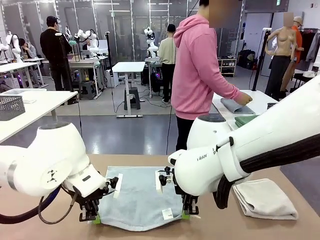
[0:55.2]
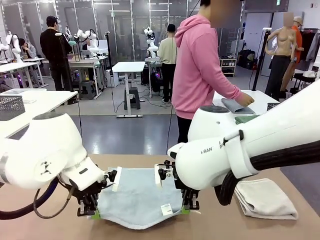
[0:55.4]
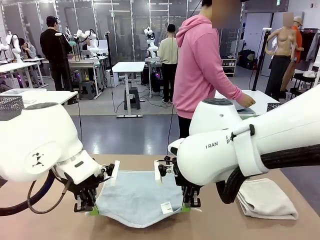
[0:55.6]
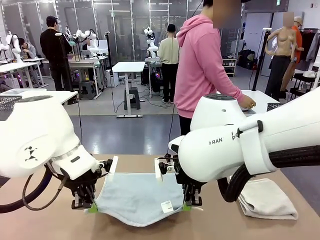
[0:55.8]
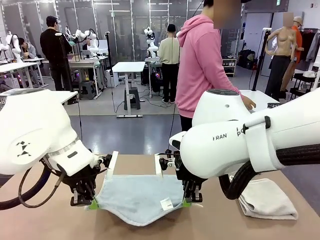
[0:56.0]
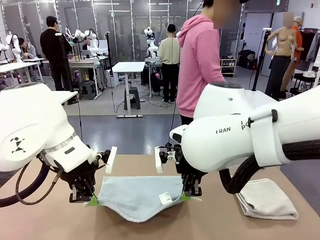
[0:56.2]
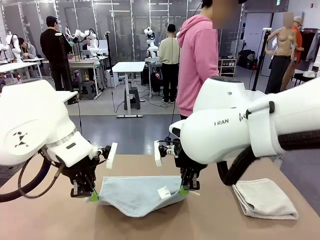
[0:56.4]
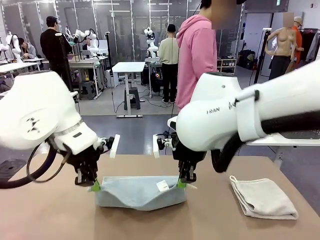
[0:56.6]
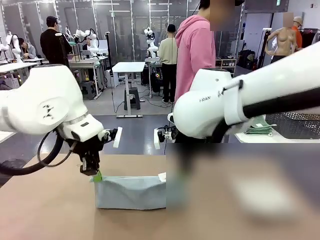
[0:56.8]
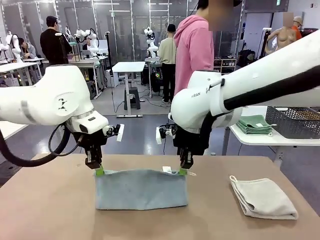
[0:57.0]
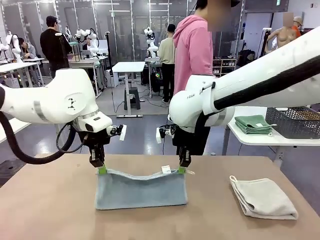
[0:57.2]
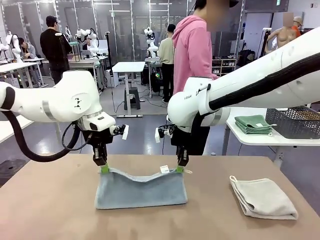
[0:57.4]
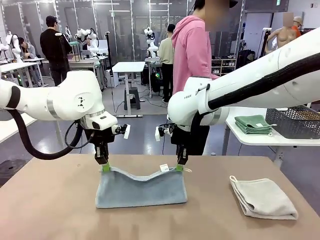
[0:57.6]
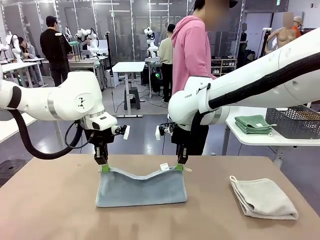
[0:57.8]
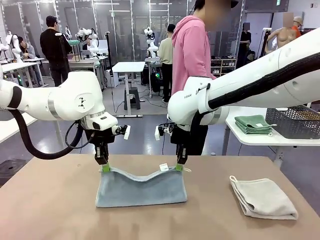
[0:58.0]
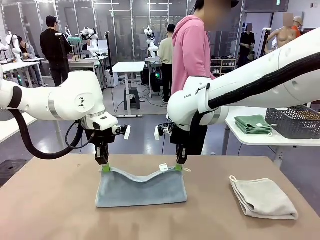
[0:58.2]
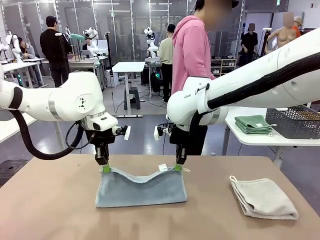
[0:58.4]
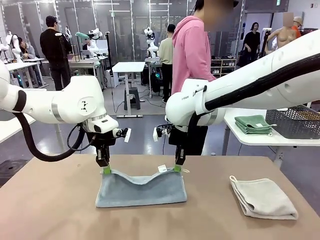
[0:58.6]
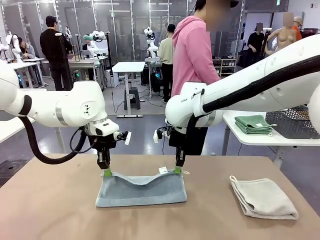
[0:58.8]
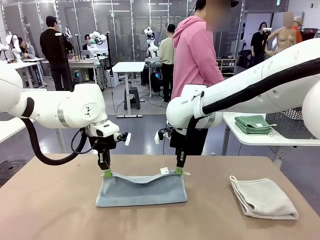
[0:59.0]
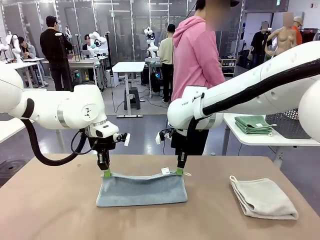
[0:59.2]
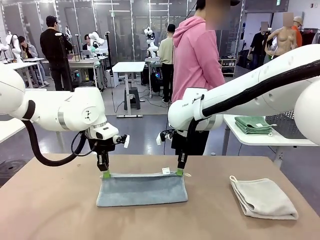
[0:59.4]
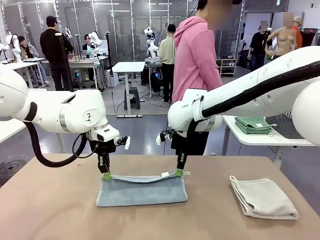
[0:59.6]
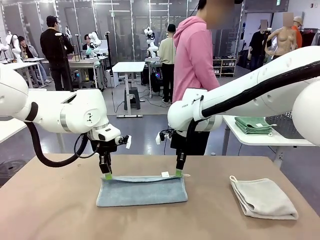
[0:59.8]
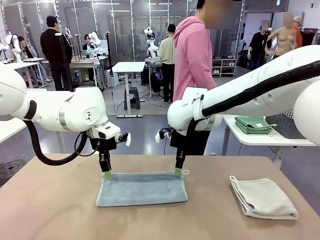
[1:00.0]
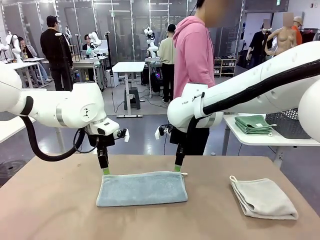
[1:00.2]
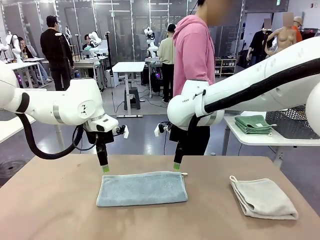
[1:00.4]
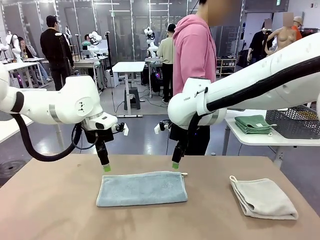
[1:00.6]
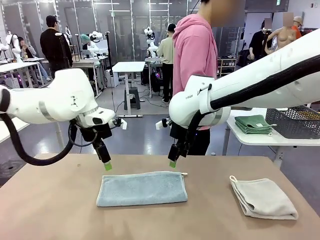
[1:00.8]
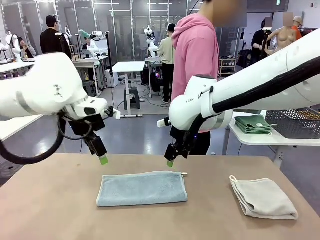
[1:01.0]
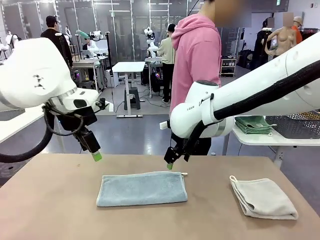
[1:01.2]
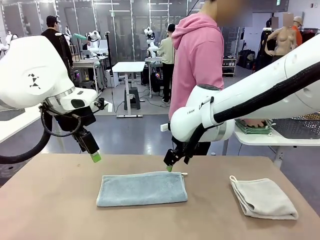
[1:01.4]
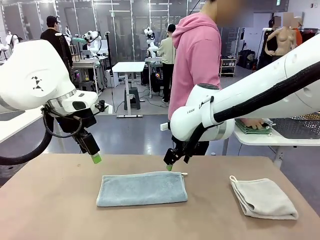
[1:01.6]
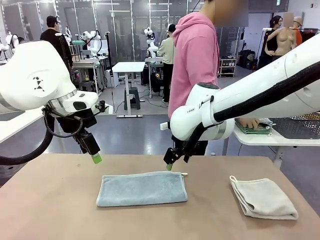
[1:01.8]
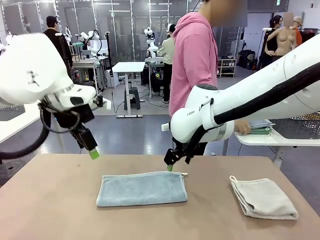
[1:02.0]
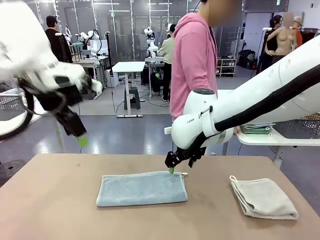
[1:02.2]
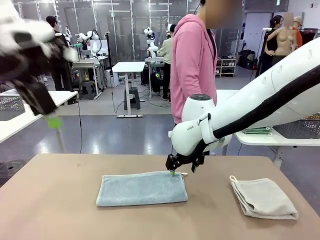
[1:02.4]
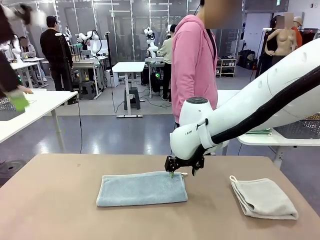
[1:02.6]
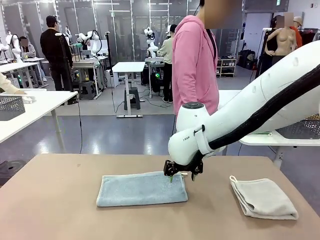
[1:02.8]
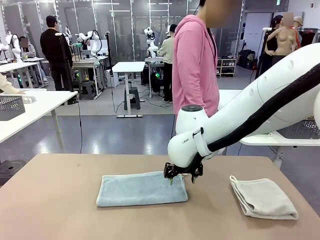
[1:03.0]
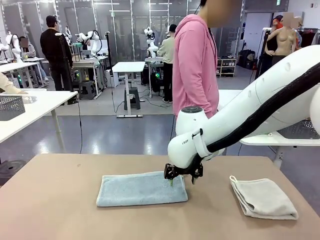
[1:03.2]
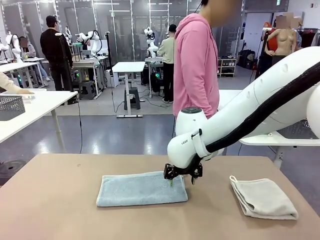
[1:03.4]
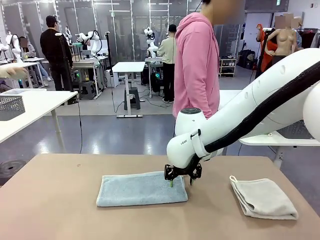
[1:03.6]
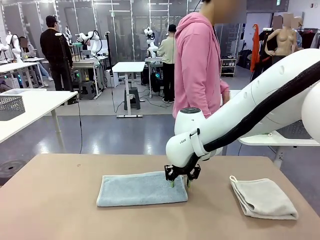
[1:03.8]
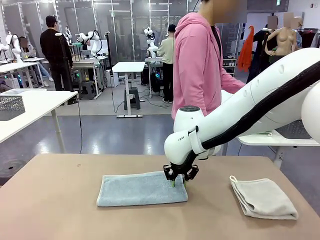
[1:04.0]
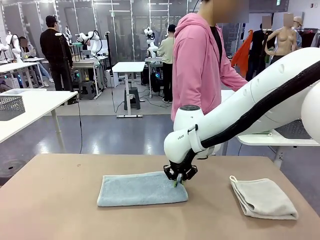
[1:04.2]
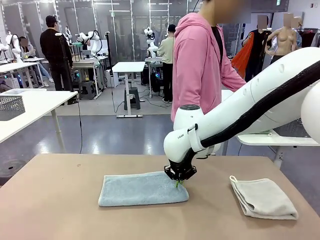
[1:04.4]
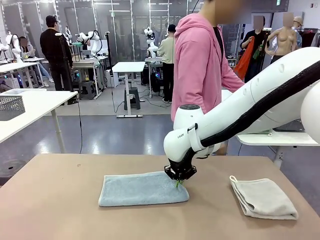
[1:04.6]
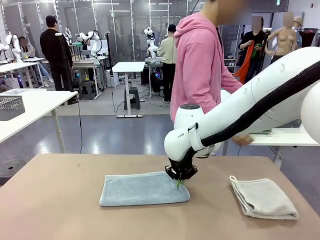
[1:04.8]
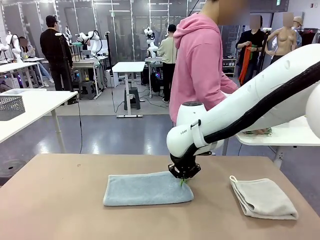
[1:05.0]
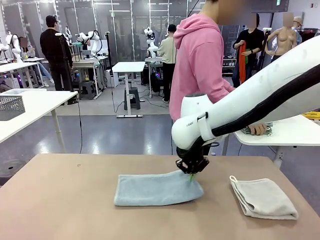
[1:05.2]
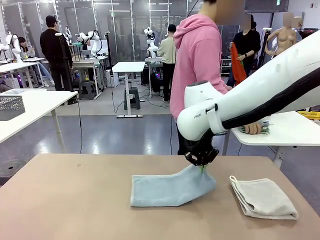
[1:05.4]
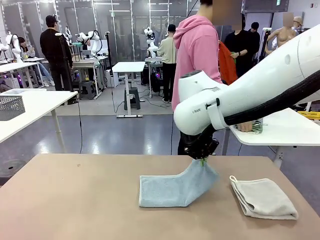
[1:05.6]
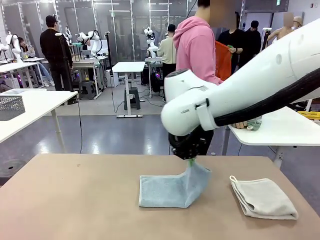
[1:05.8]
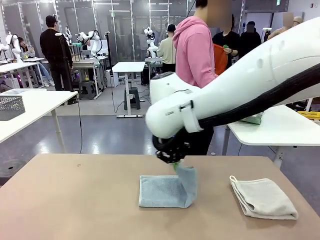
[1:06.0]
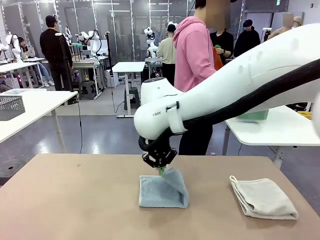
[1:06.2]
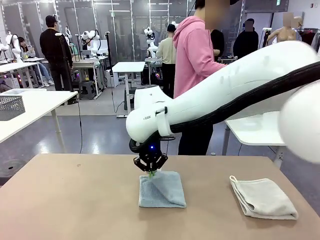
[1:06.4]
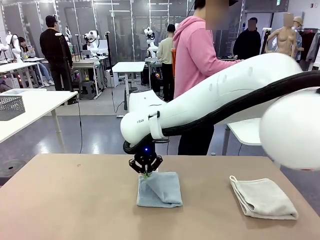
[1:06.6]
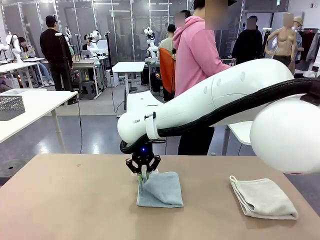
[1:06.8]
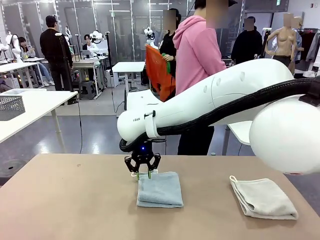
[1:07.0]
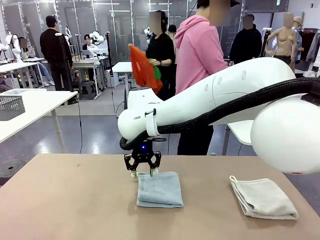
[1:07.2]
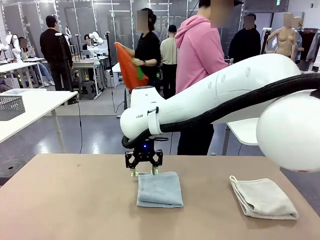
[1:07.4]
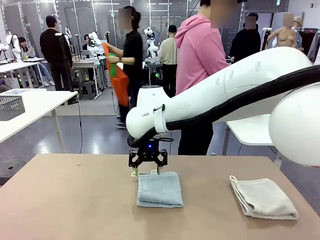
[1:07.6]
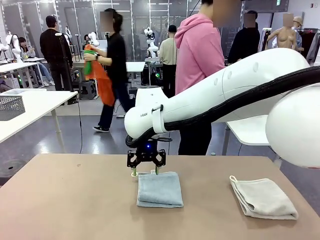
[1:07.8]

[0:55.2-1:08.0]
Task: Fold the towels and place them in the basket.
Robot: When a person lays out a Towel with hook on the table, fold it in half twice.
Person: Pick up the stack of towels from the right side of the human table, place it into the basket, and put the basket at the center of the table.

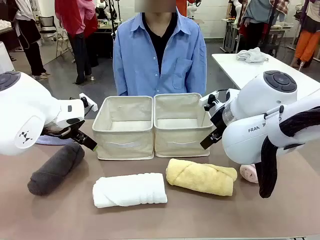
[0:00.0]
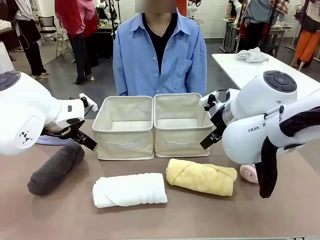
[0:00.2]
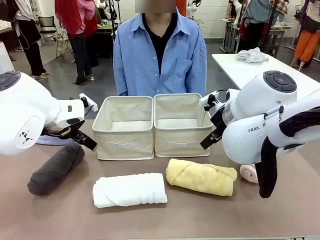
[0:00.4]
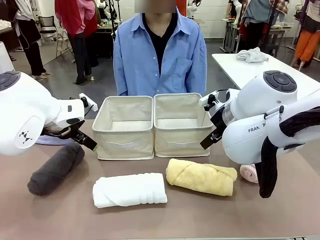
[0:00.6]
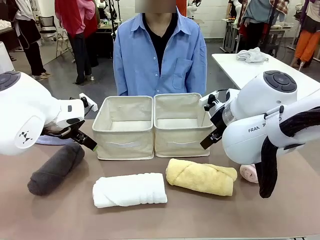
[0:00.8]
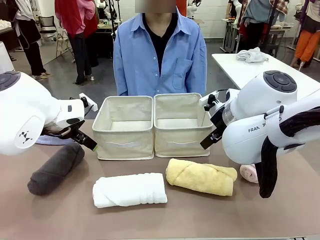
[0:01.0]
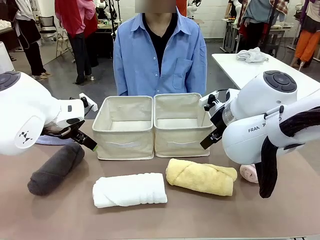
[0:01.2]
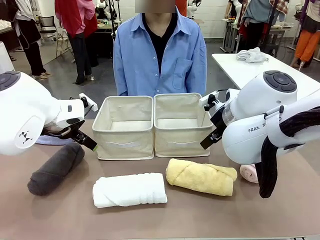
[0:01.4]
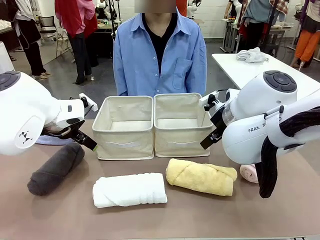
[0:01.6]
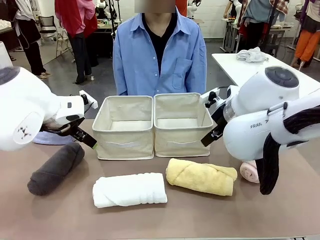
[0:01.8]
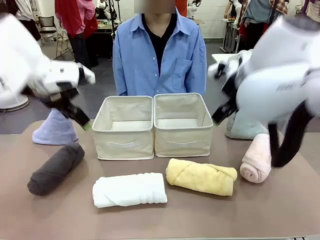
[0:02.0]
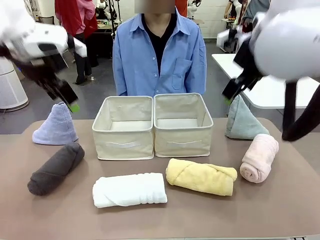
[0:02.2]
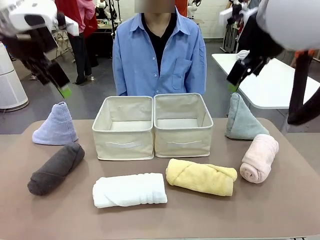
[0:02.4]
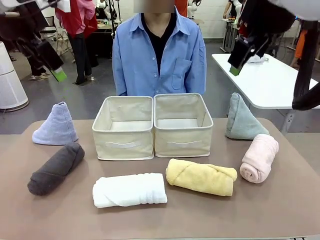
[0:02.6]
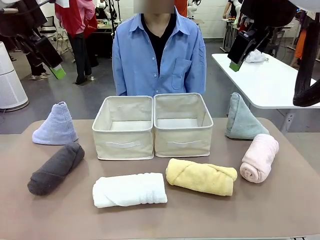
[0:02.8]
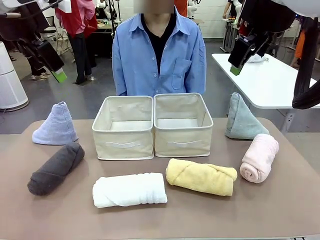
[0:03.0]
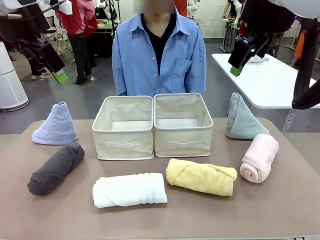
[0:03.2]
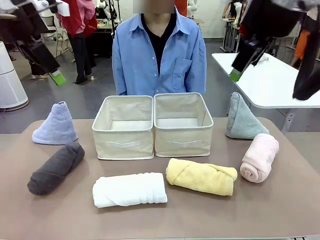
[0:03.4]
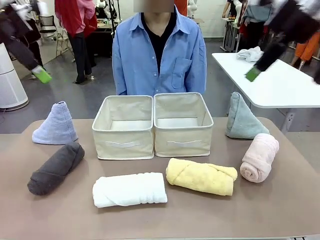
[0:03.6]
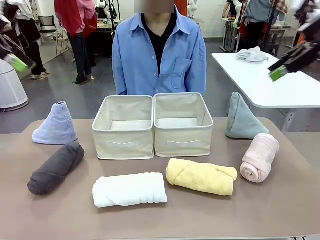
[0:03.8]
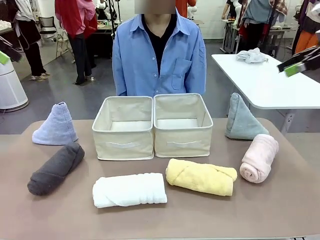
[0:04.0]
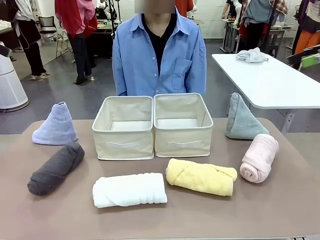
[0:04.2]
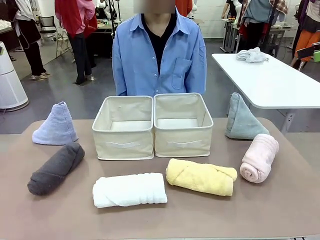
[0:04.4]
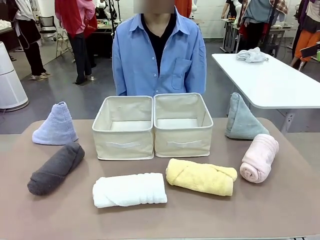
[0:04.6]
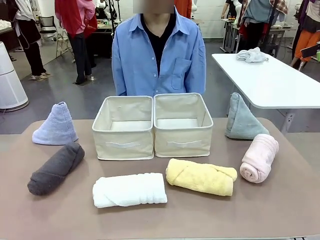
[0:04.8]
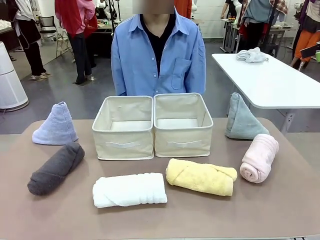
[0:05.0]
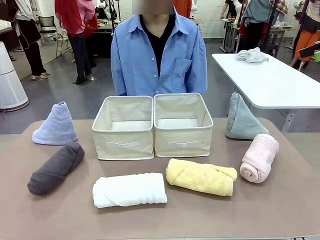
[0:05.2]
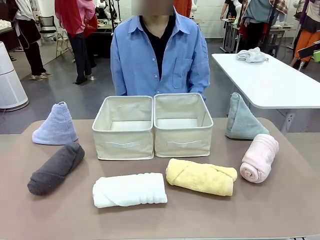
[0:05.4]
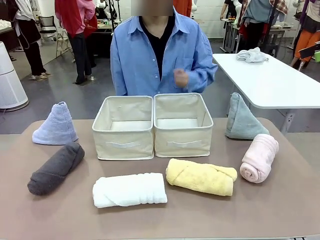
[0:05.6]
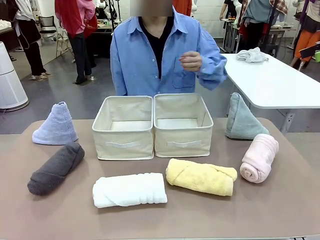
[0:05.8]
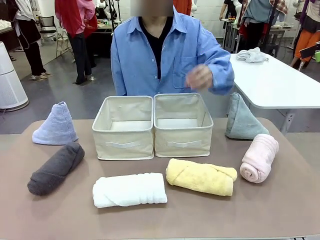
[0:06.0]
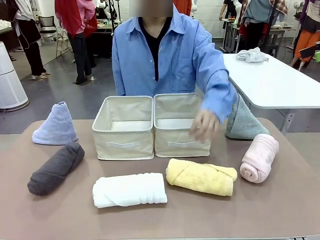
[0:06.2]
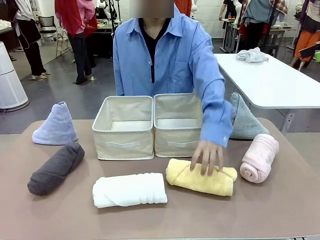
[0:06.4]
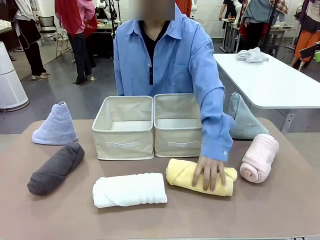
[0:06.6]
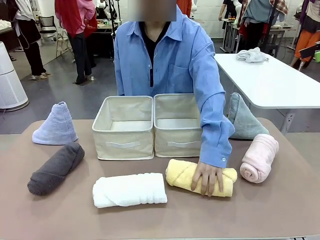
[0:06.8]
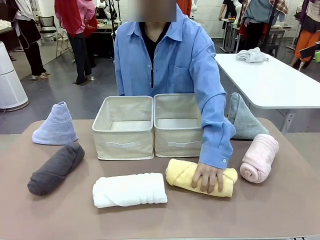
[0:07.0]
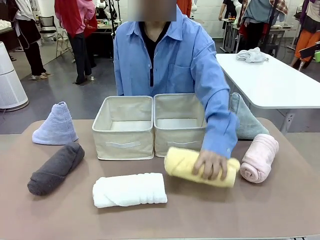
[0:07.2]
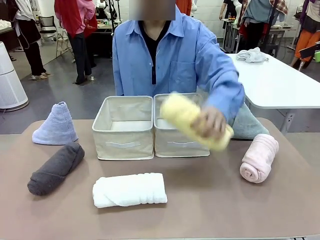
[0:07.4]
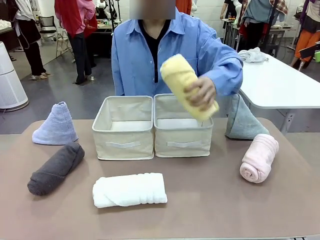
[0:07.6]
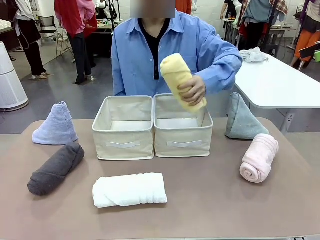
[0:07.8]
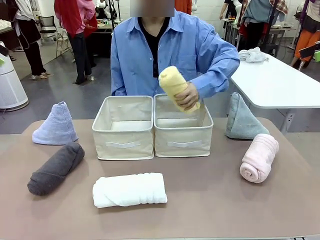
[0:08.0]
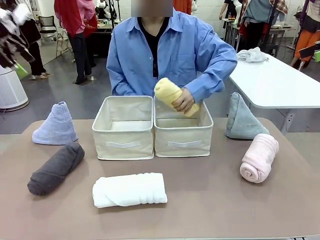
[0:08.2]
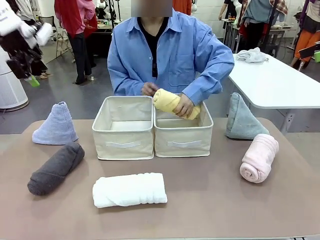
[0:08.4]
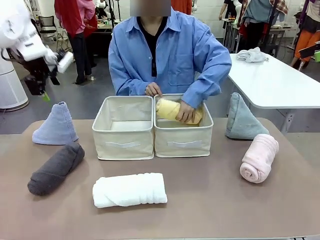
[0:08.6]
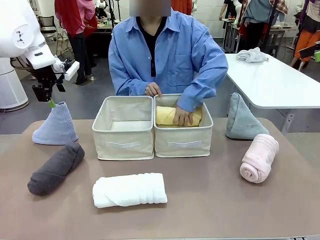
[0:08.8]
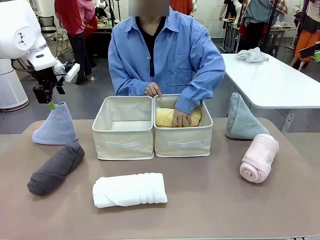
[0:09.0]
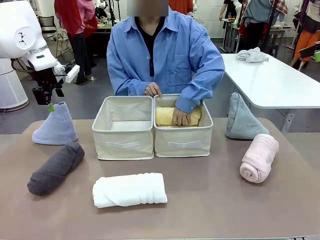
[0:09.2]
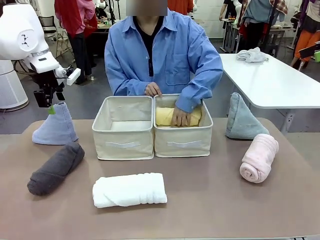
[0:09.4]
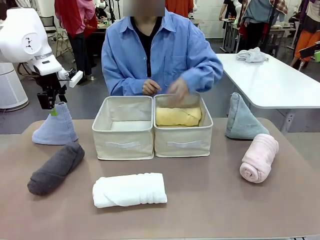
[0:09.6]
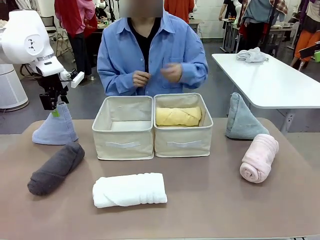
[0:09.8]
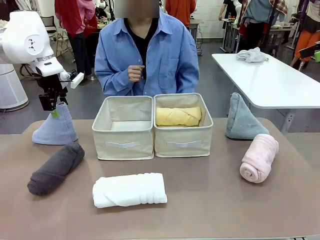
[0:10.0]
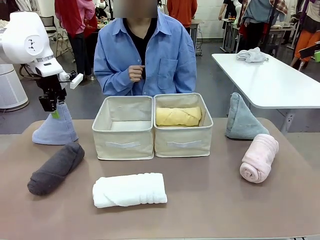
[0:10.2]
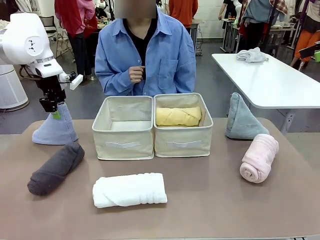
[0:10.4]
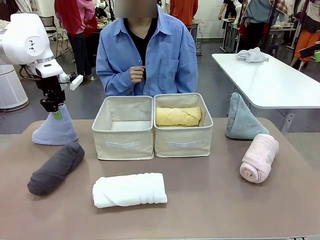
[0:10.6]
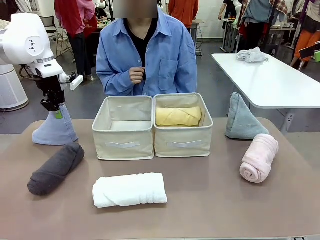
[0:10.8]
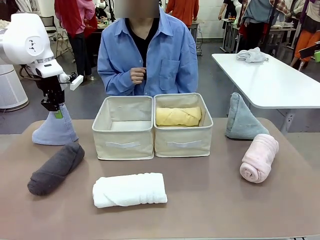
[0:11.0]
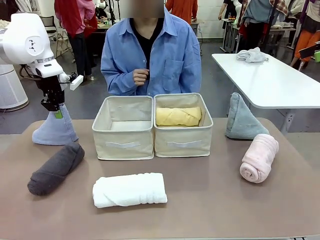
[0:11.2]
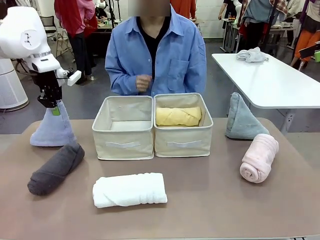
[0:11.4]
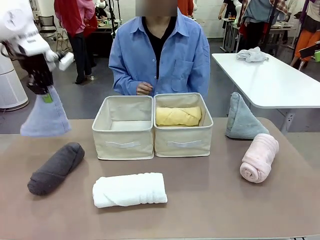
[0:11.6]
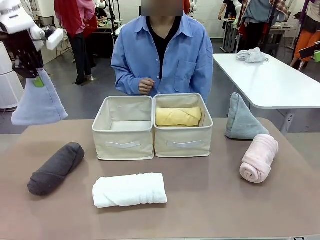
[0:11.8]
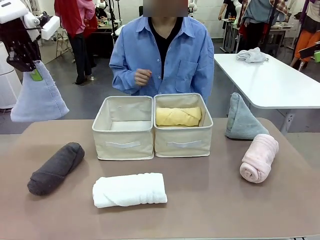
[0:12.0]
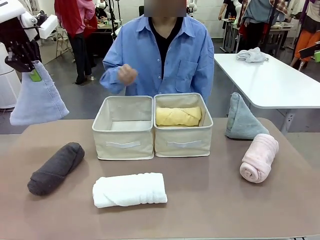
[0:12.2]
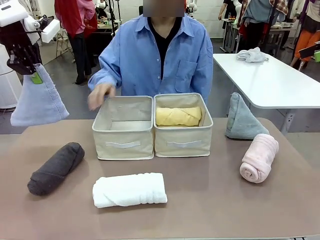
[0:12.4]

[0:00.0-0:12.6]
Task: Sort the towels based on their folding style.
Robot: Pick up one triangle-folded towel and place it in the left Fabric basket.
Person: Pick up one hotel-style rolled towel and place it in the left fabric basket.
